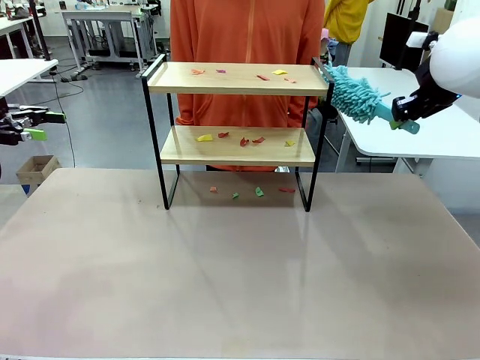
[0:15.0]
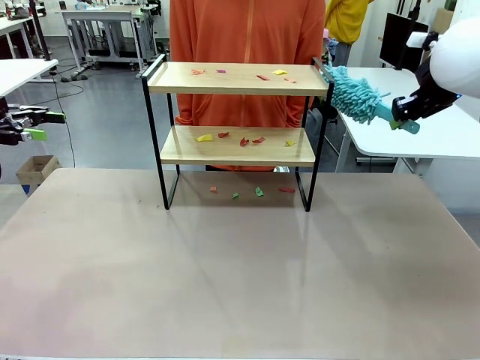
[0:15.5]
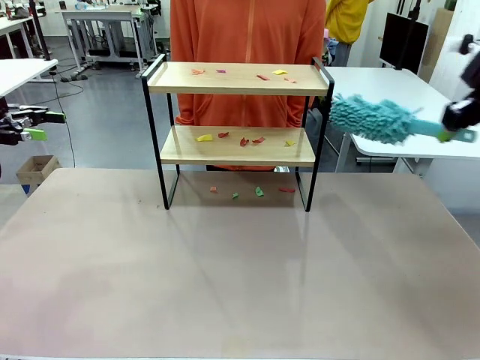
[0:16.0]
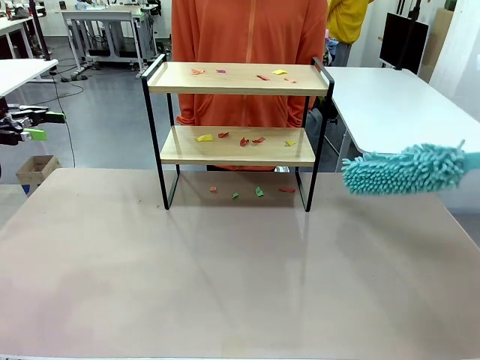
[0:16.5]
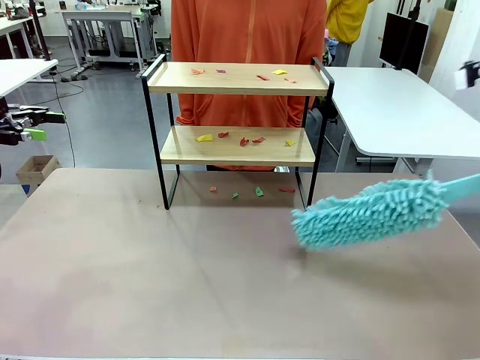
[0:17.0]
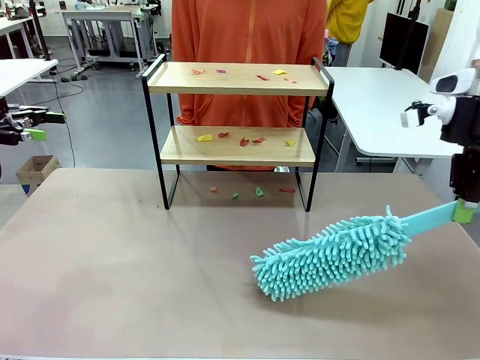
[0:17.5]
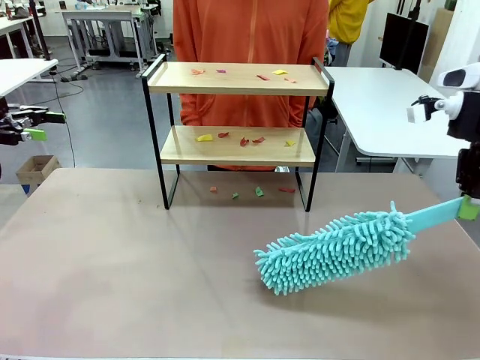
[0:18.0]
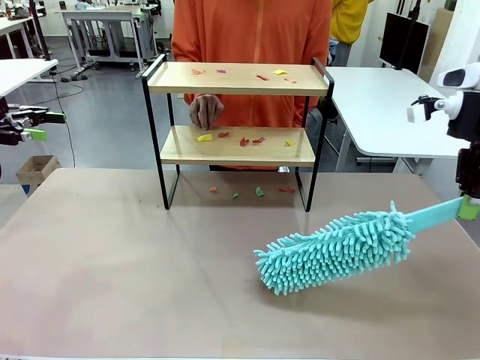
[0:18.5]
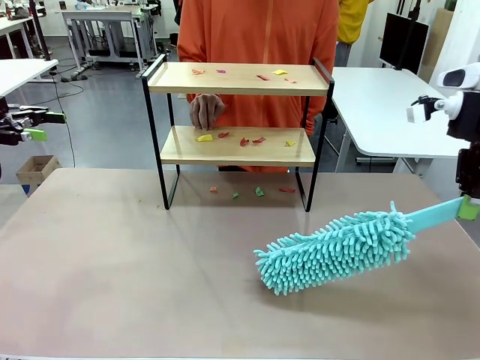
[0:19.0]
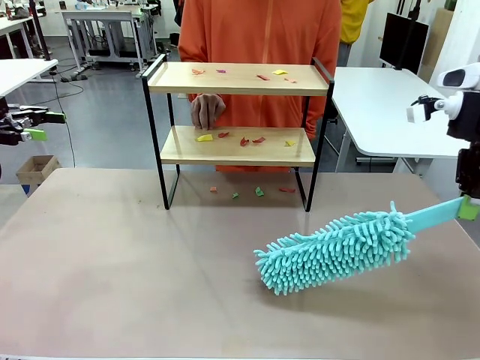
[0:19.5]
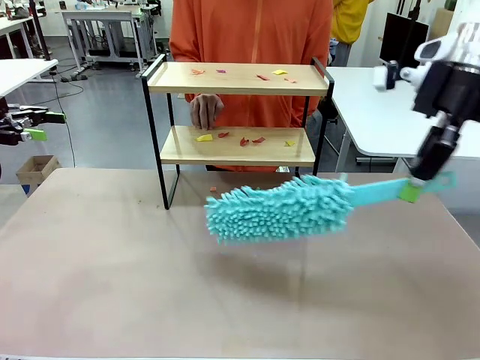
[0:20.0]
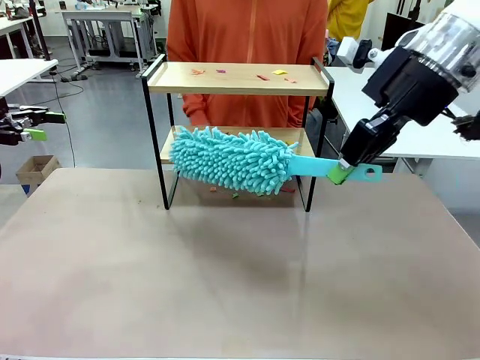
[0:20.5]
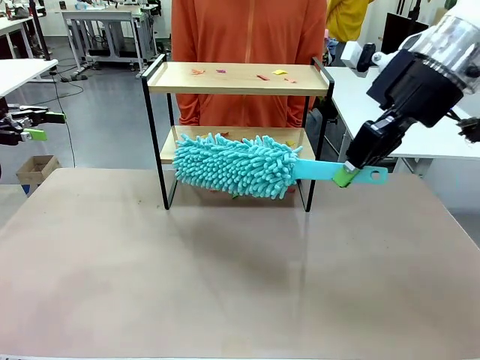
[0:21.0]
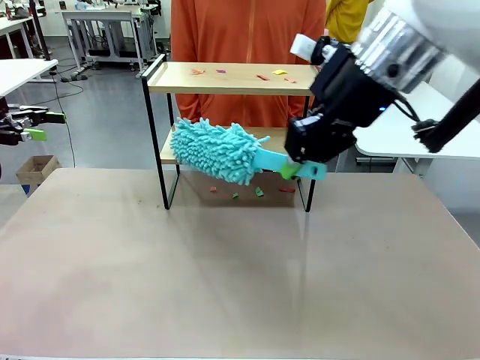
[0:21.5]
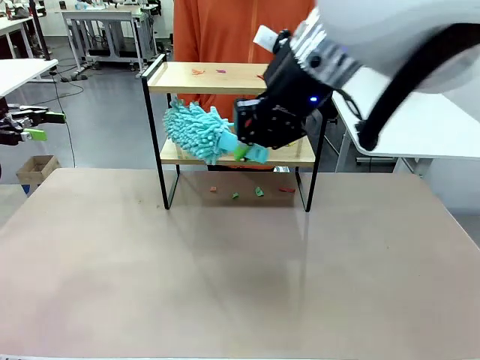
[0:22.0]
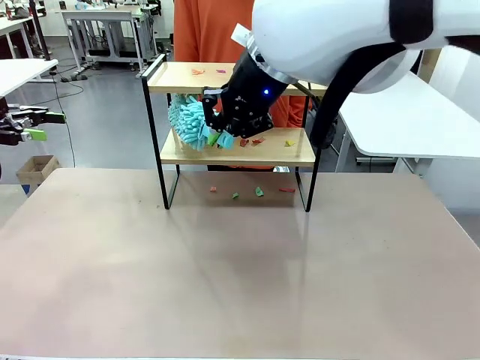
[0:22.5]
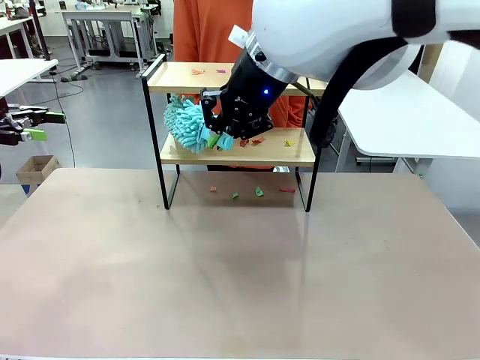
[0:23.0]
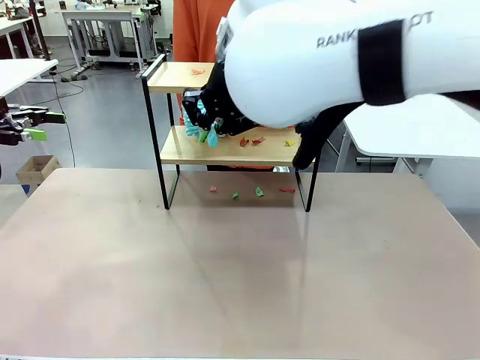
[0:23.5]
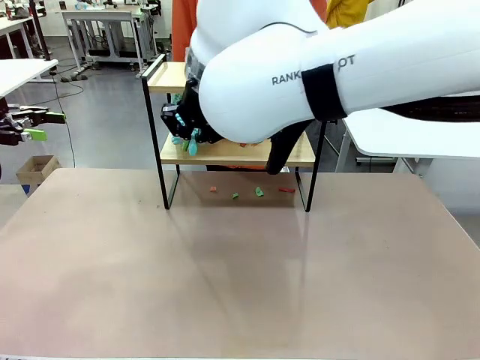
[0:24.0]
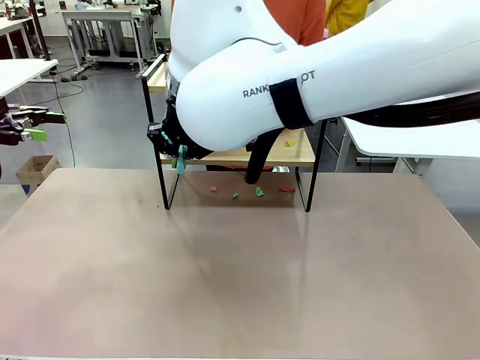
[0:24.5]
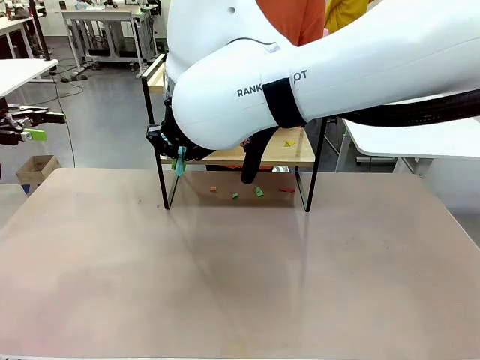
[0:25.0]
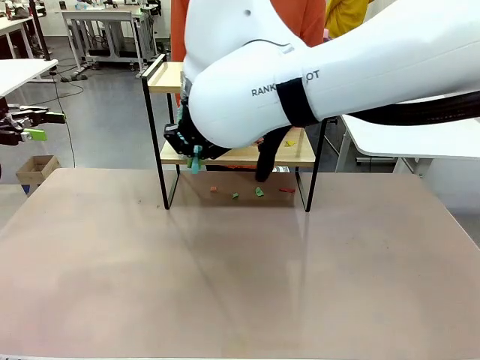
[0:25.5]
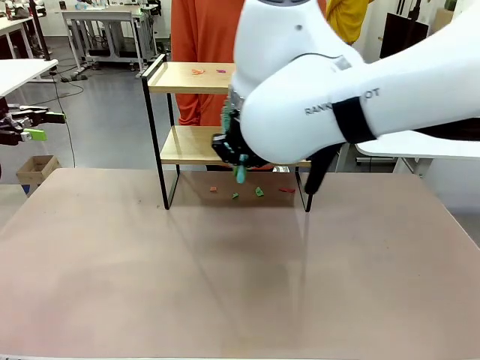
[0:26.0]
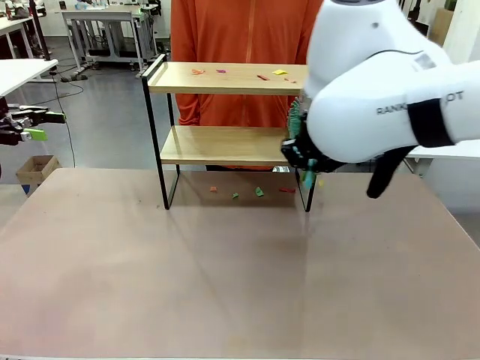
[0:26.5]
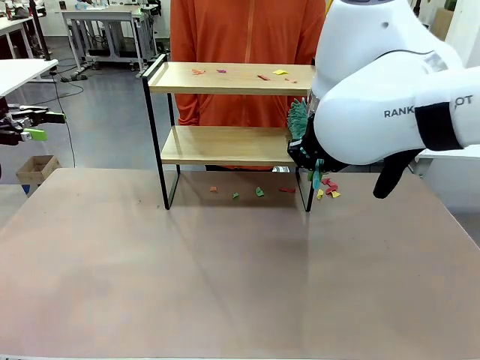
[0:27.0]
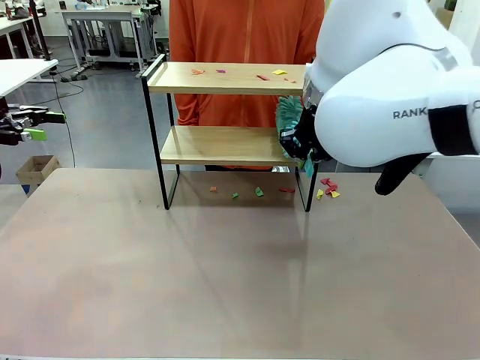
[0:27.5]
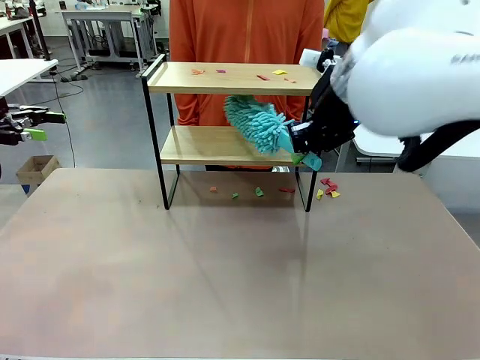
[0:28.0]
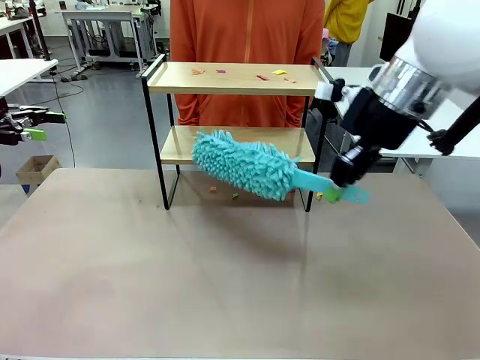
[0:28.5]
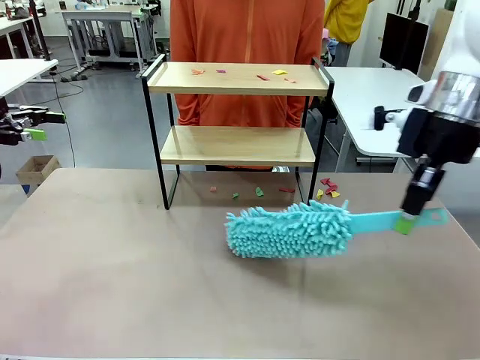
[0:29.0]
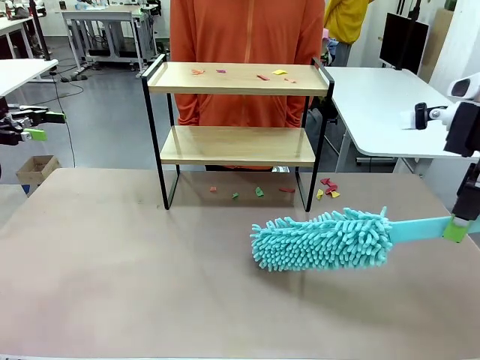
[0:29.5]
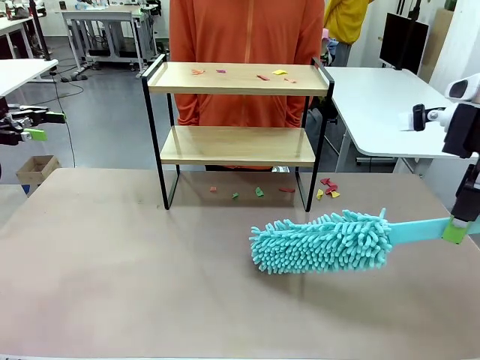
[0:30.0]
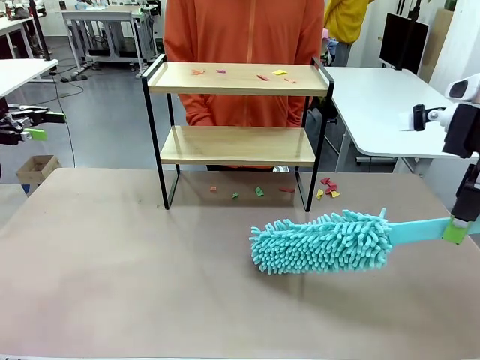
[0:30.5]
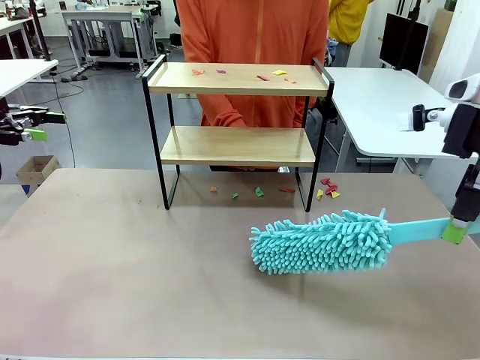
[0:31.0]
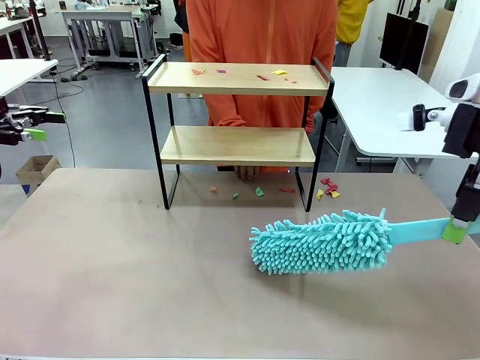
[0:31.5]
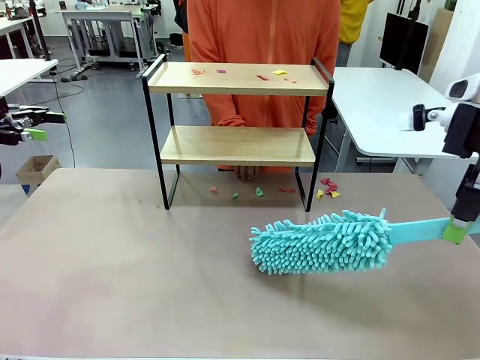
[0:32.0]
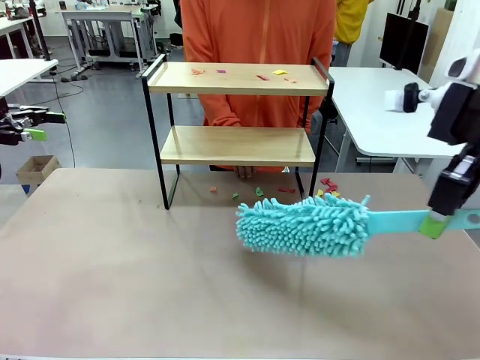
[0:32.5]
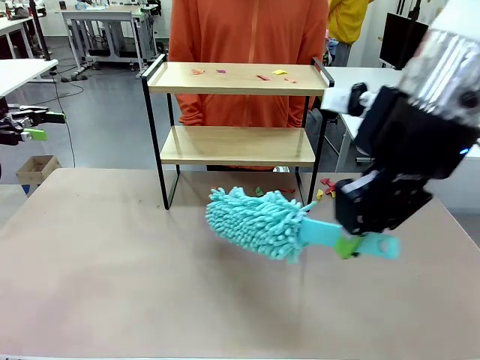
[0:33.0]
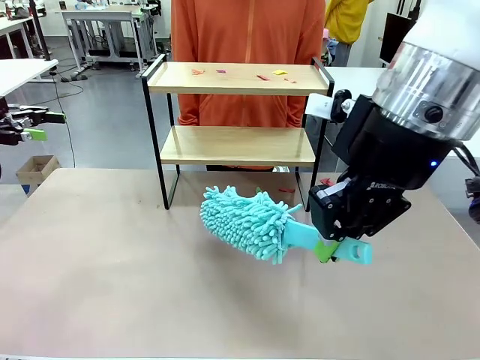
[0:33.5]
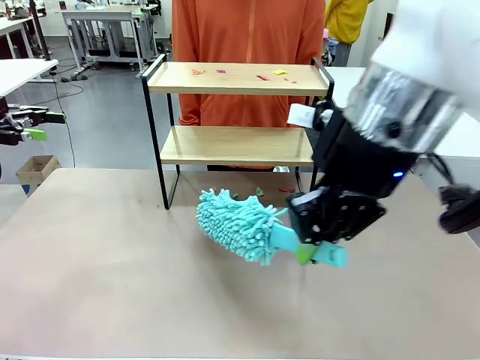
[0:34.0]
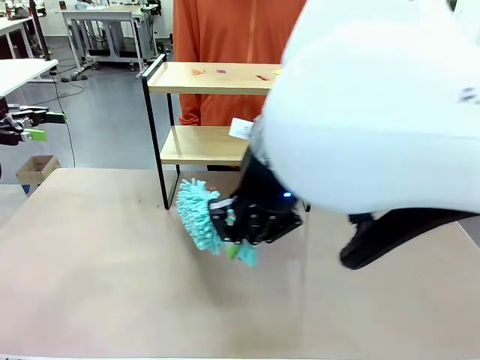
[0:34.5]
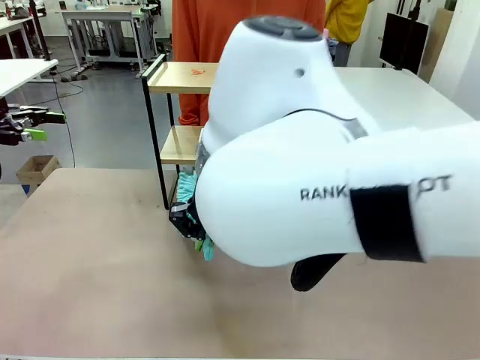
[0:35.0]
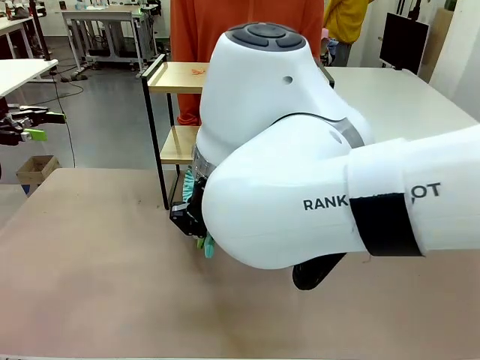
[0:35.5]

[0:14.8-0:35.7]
Task: Clean the shelf.
Robot: Clean the specific section of the Shelf indicated by the human with the Duster.
Person: Point a random section of the Shelf.
